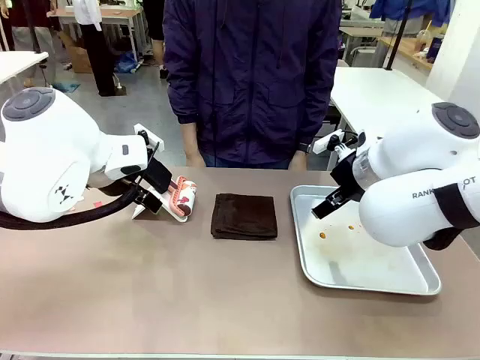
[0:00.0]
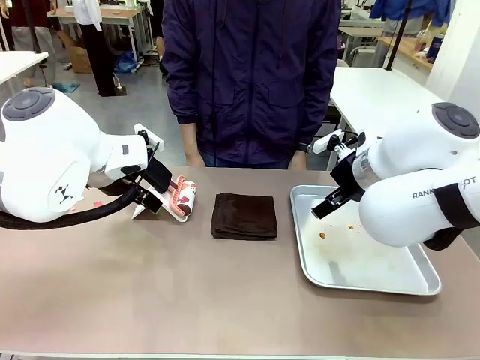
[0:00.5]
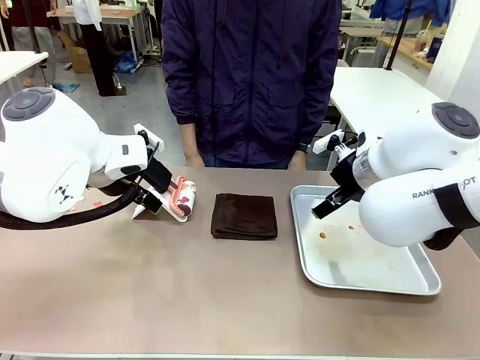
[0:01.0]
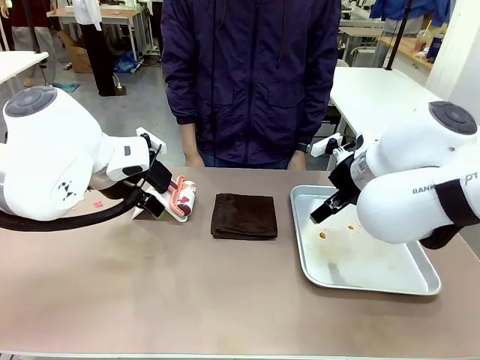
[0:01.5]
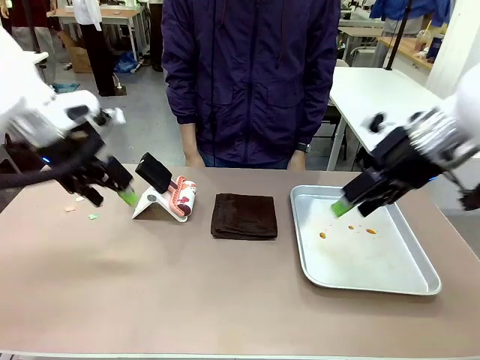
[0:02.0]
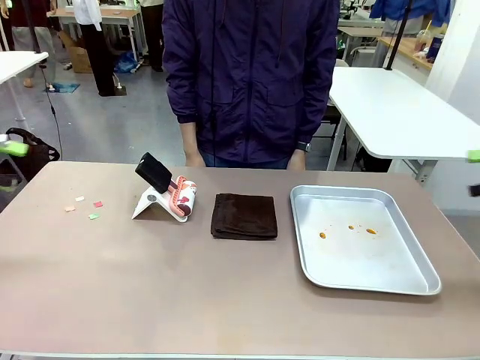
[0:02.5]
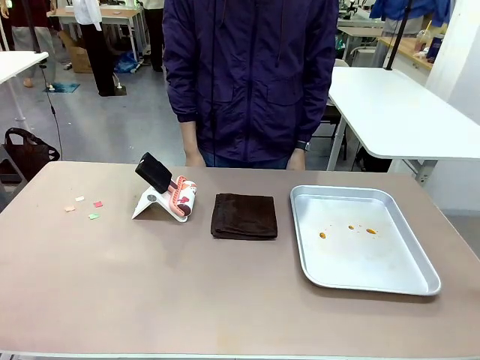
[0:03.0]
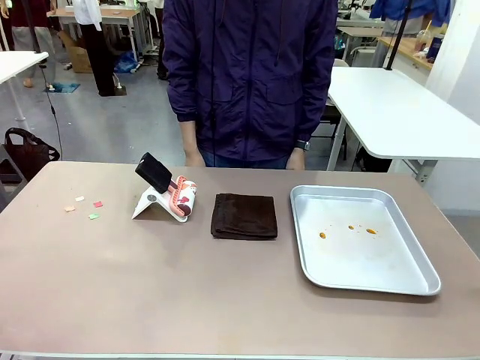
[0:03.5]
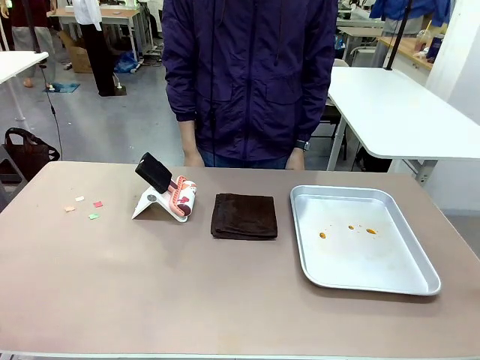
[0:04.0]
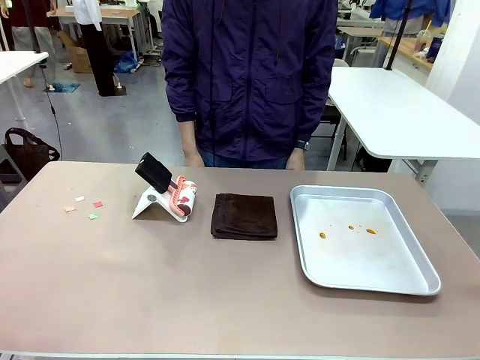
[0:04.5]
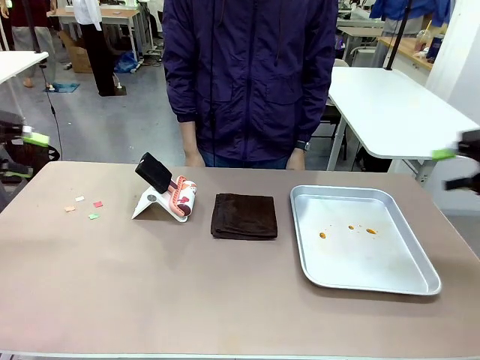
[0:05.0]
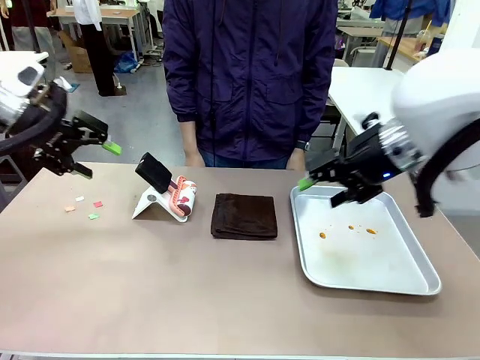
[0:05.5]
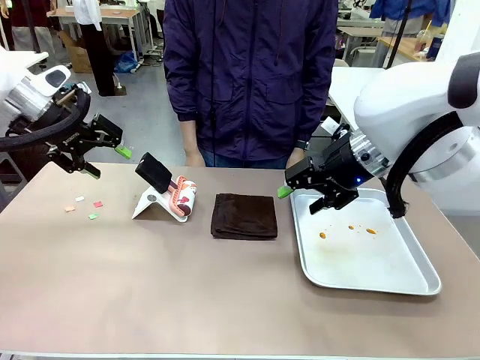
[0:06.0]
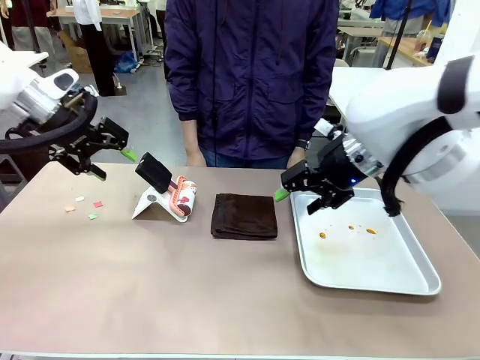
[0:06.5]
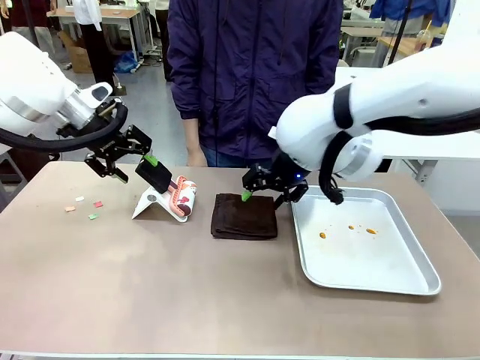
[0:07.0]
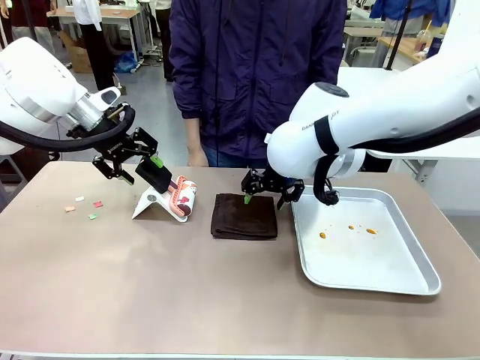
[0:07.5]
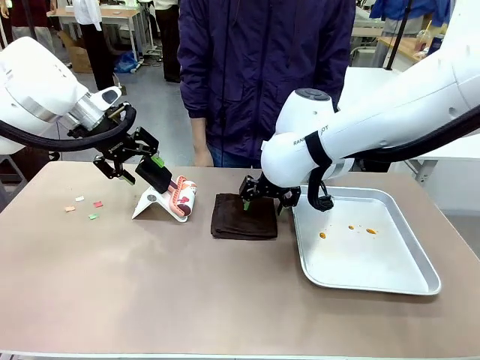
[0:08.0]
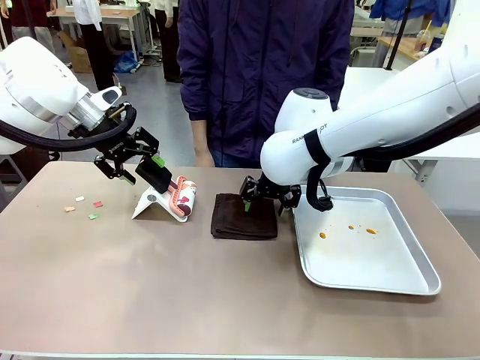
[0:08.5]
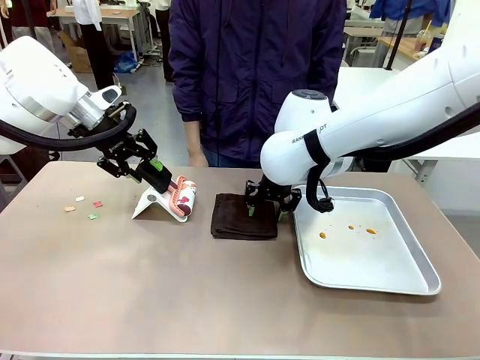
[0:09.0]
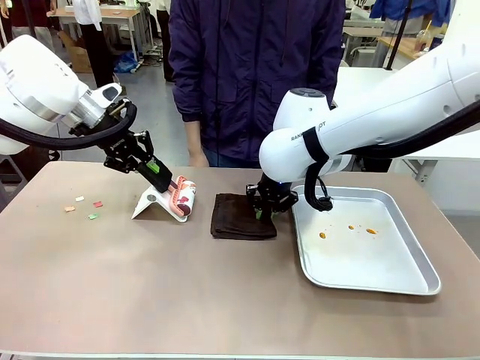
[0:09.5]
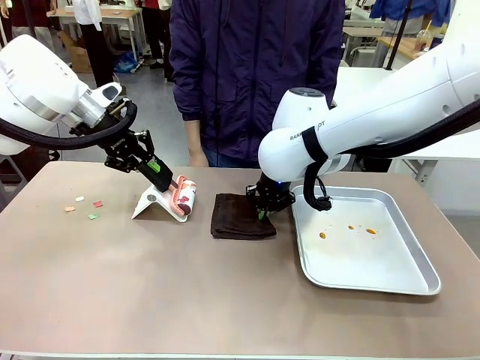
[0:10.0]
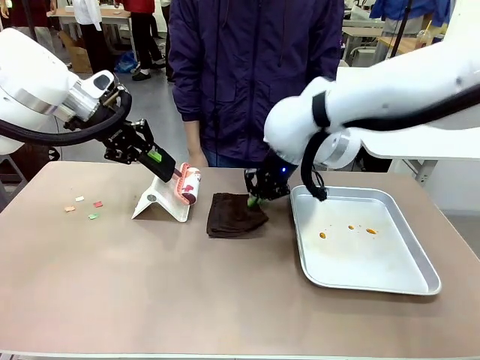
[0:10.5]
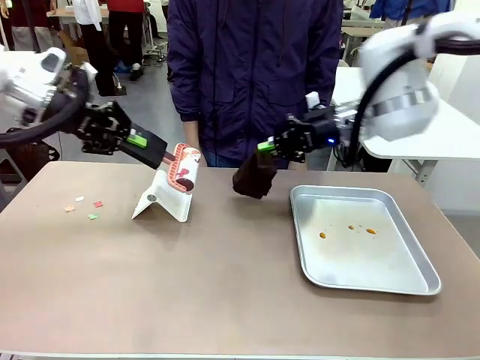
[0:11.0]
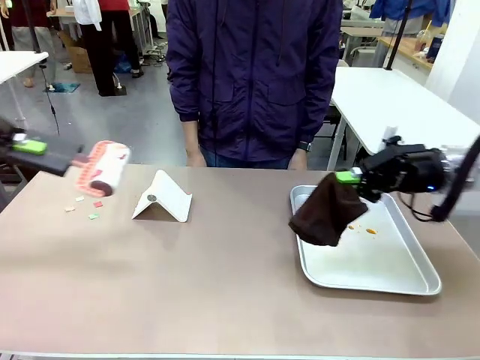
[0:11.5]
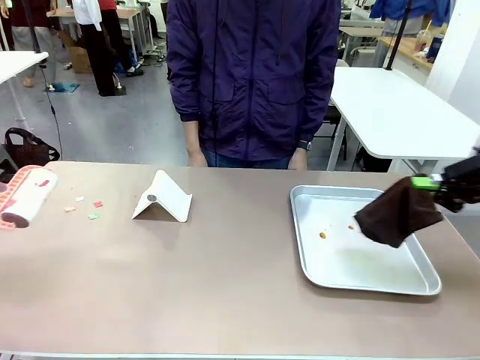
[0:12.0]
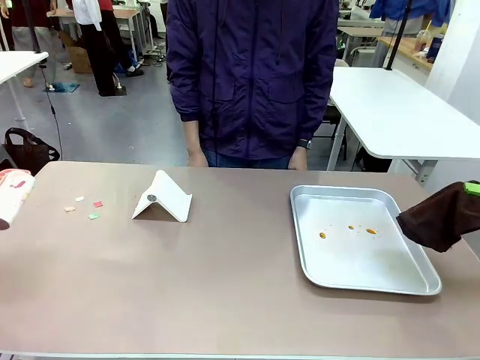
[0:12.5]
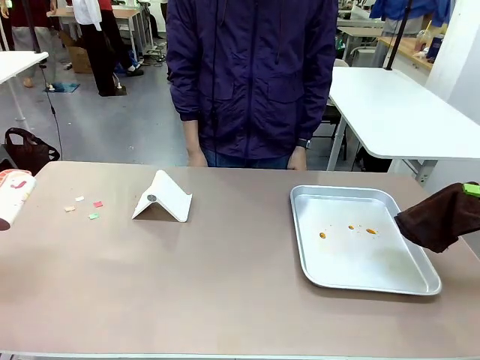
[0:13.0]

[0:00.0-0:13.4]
Task: Clean the surface of the table.
Robot: Hold the Lint Roller with your left hand and the towel with your right hand.

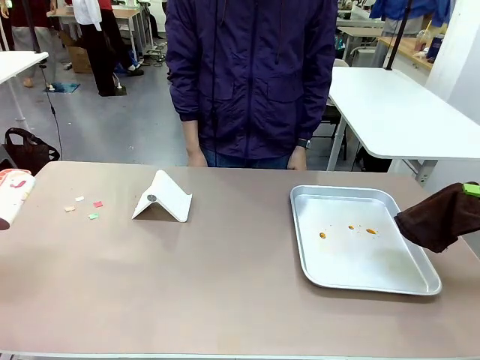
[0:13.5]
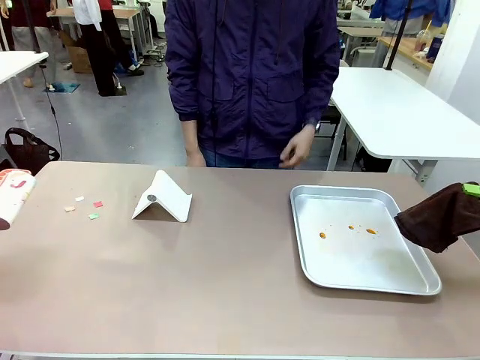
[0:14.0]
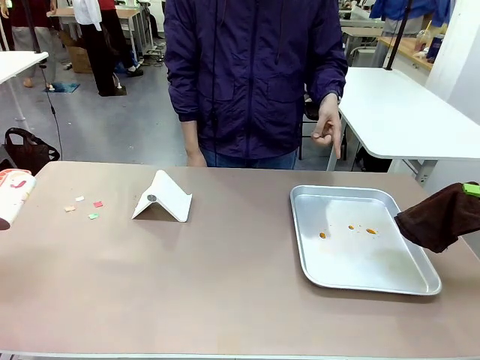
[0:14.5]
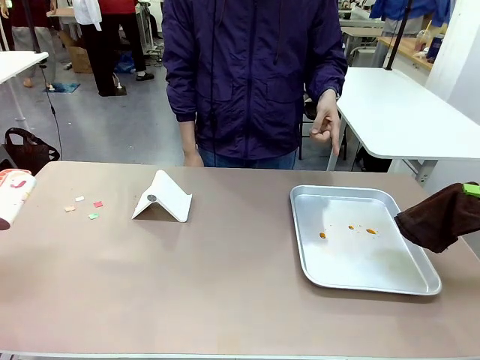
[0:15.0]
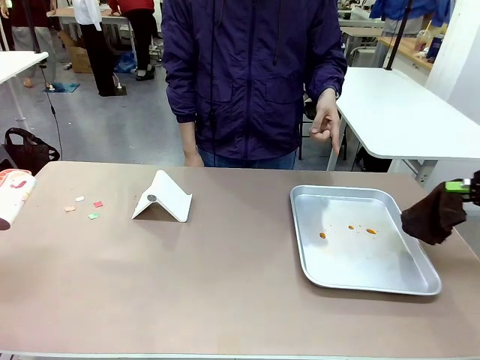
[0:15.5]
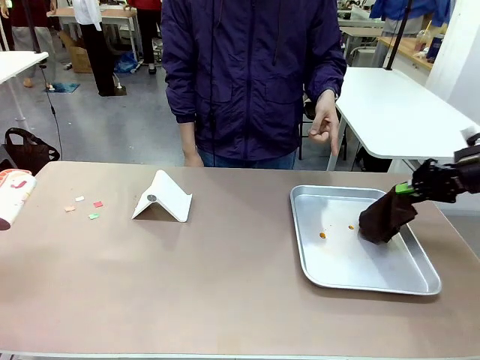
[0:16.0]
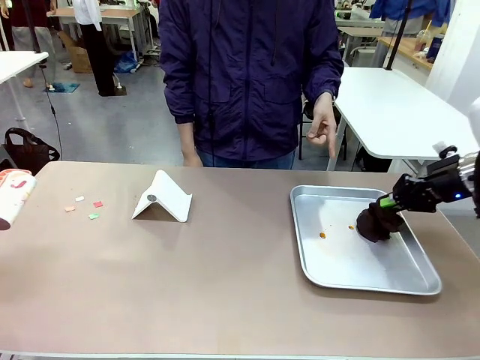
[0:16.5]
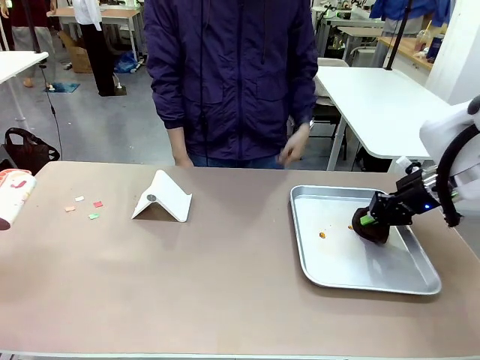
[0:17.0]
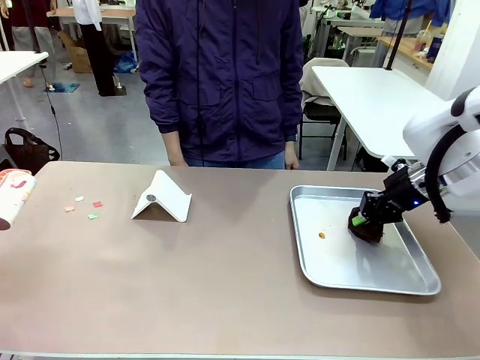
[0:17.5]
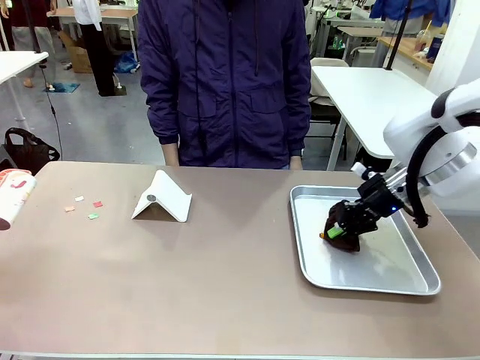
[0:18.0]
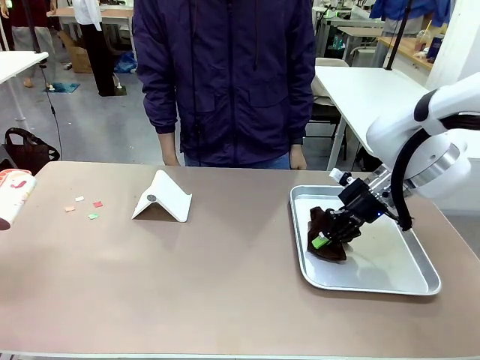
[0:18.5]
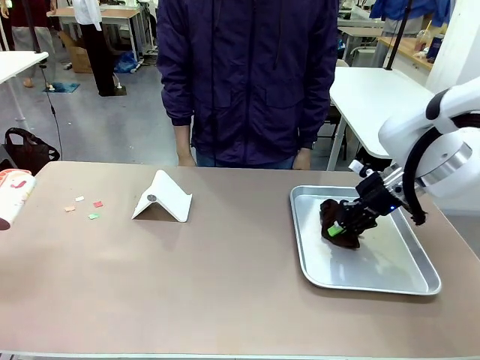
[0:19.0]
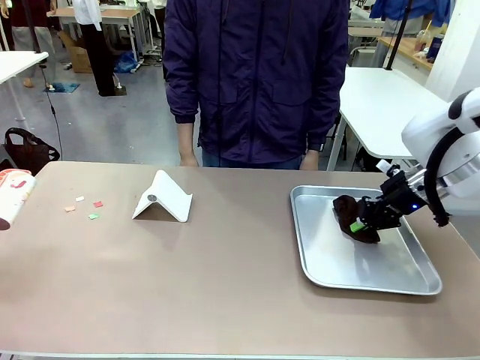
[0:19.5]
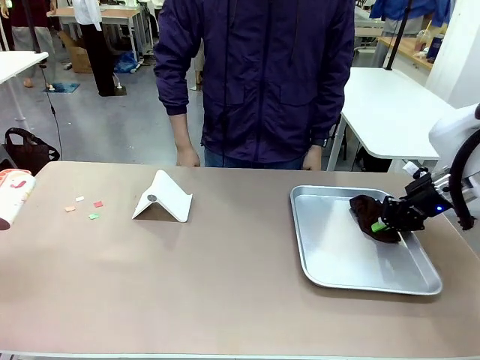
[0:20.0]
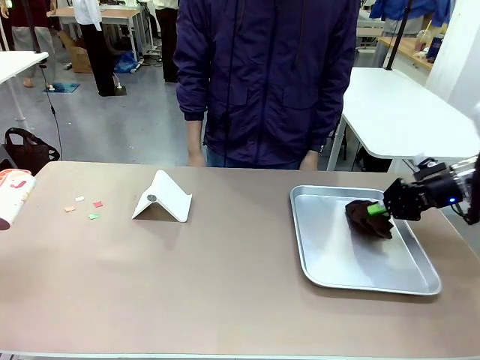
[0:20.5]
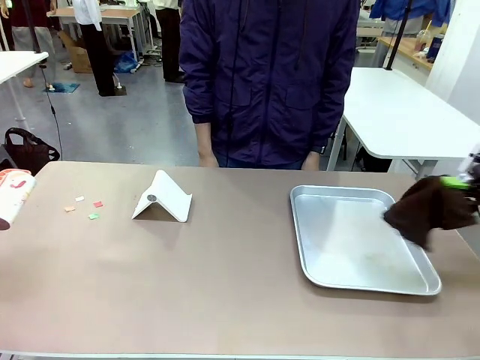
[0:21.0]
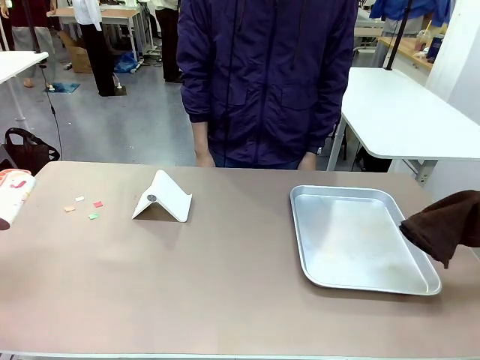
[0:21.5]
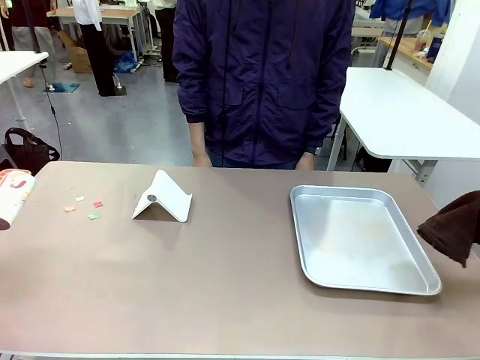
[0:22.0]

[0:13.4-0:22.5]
Robot: If a person points to the right, clean the right side of the table with your right hand, and if they point to the left, clean the left side with your left hand.
